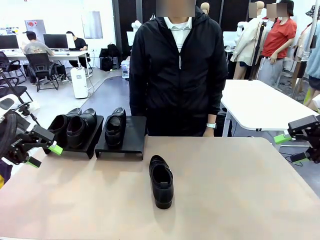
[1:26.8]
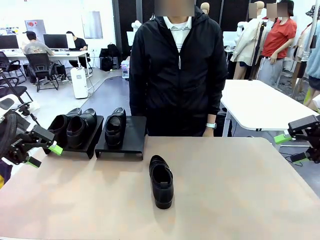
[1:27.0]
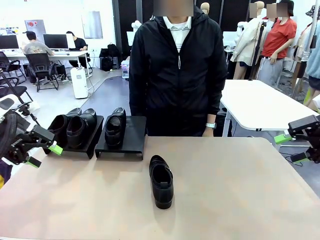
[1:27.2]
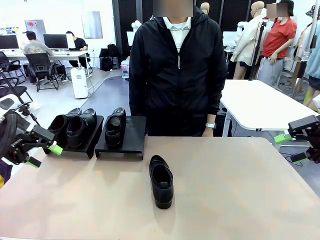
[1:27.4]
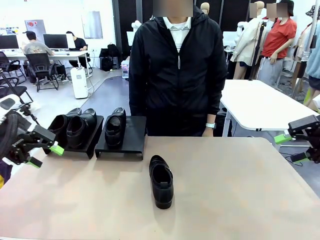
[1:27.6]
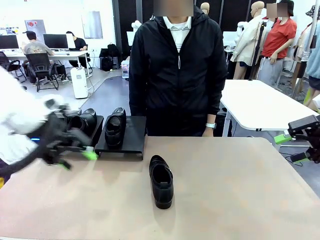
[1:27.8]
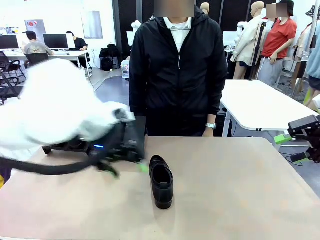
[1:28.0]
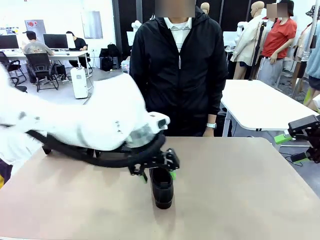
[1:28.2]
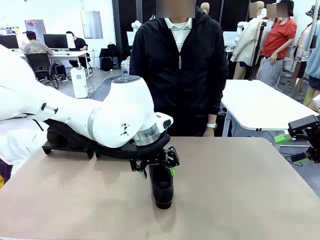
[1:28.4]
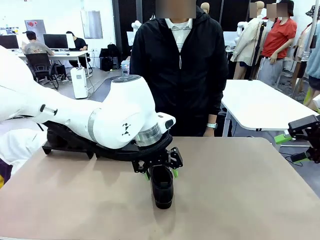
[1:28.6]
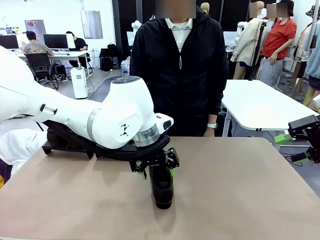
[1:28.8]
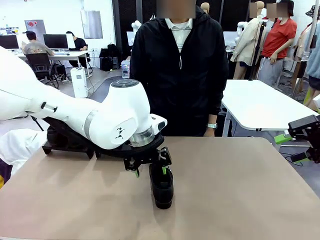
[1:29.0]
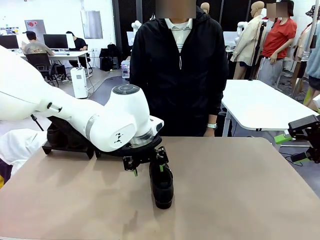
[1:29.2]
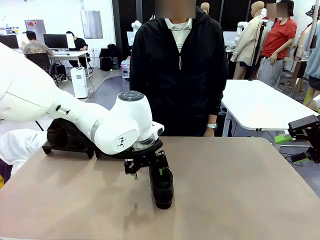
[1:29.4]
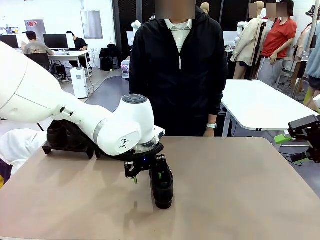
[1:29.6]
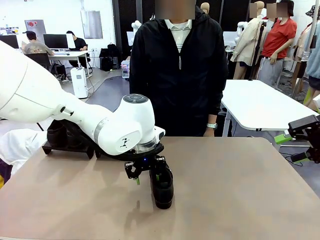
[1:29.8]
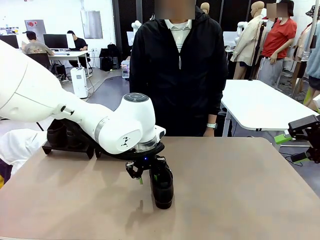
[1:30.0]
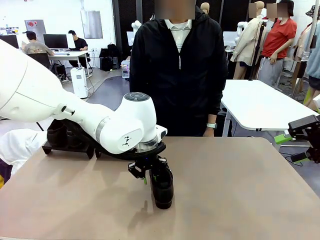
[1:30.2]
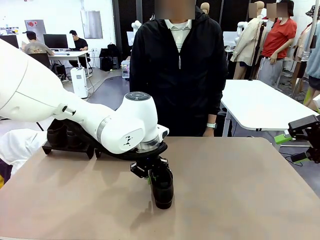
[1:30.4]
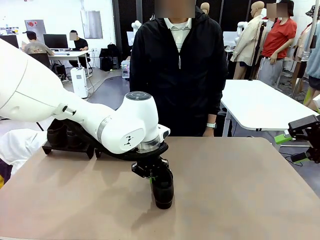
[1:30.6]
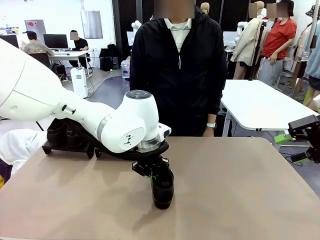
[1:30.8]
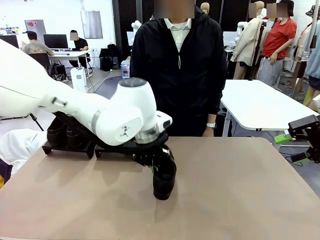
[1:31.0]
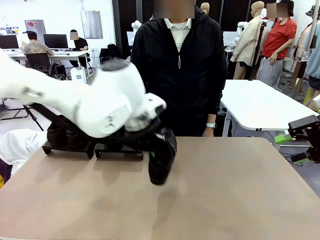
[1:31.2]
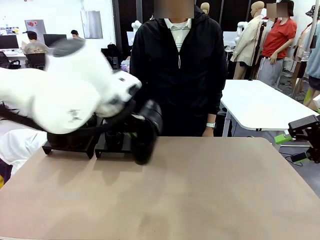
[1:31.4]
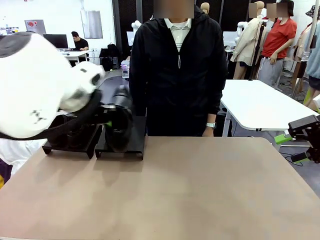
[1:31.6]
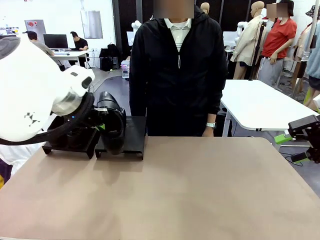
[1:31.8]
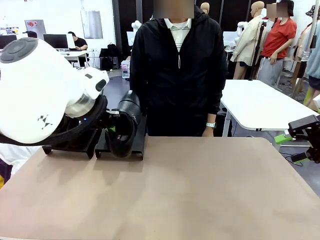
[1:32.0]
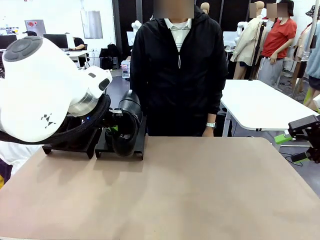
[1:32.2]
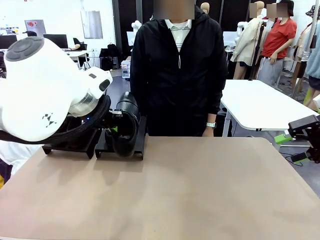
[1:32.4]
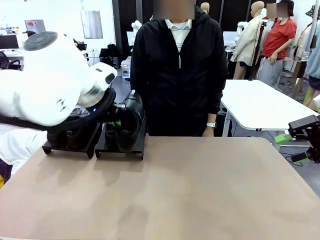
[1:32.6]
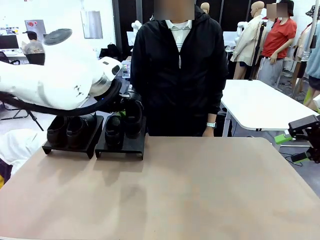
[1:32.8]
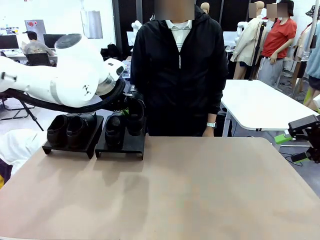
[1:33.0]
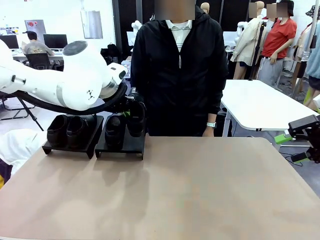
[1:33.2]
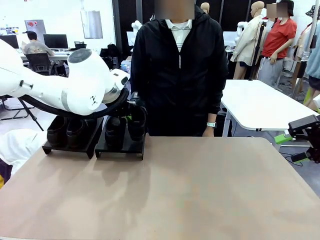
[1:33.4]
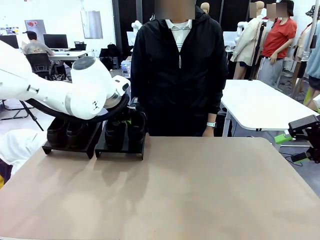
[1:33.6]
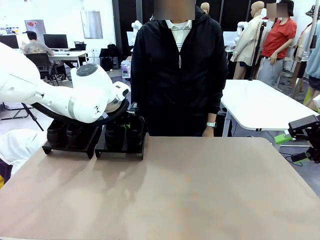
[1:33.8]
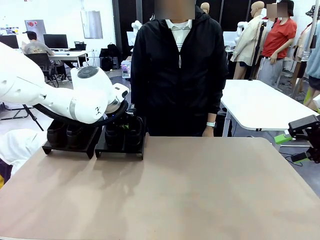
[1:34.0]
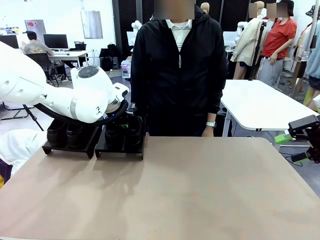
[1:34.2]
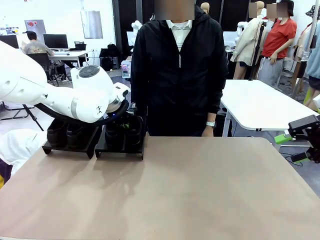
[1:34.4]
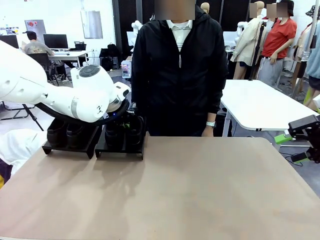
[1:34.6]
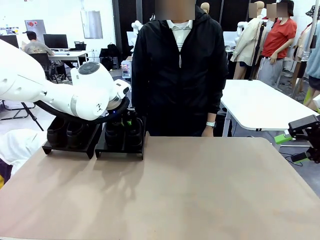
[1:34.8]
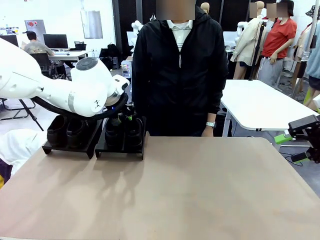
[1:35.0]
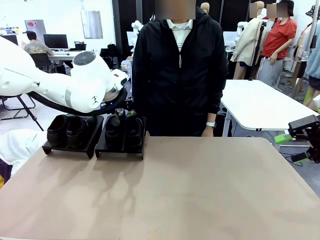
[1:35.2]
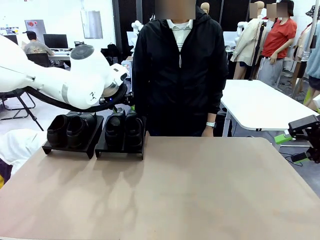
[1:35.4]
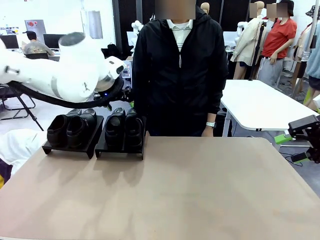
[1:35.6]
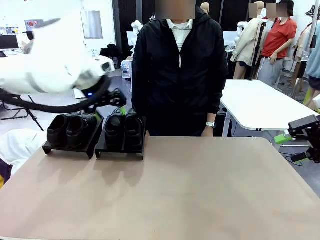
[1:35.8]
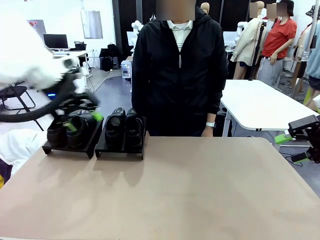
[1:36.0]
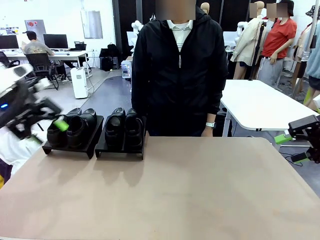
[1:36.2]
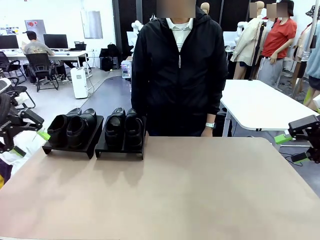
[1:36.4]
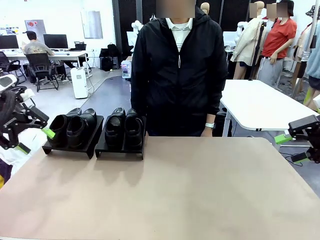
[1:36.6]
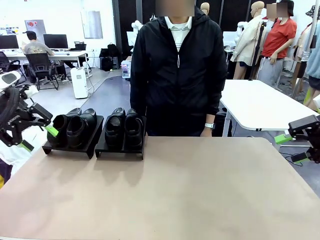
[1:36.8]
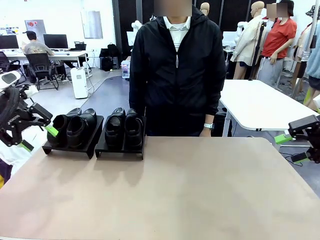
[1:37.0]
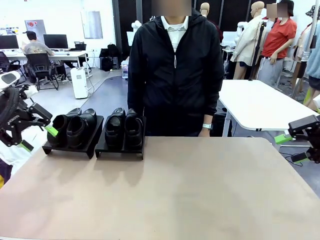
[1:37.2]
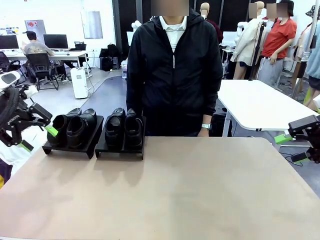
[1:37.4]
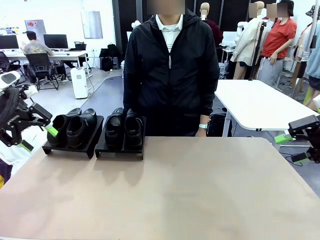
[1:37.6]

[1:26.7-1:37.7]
Task: Organize the shoes by placing them on the stand.
Robot: Place the Shoe from the middle of the table onto the Shoes Stand.

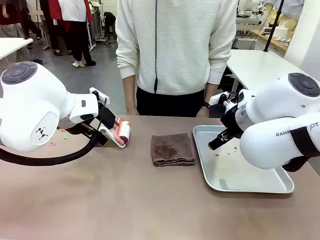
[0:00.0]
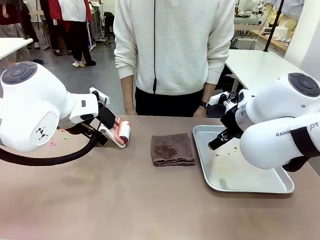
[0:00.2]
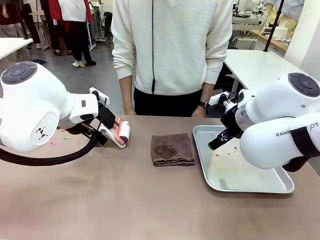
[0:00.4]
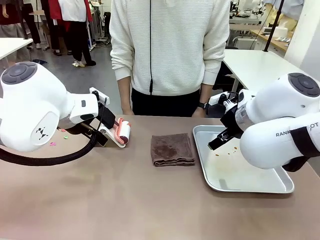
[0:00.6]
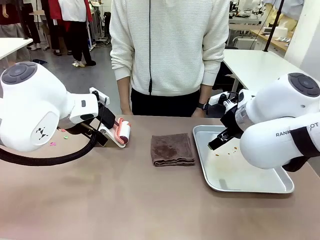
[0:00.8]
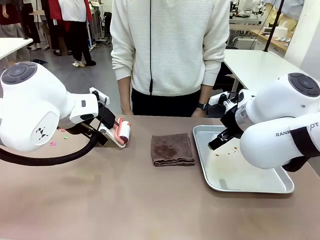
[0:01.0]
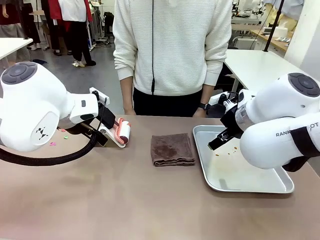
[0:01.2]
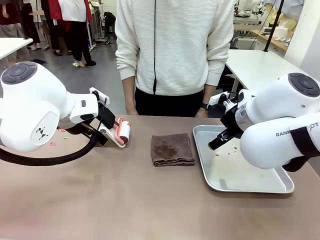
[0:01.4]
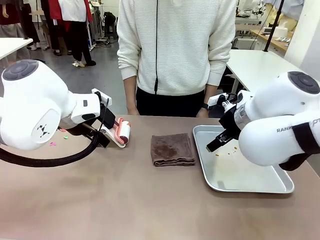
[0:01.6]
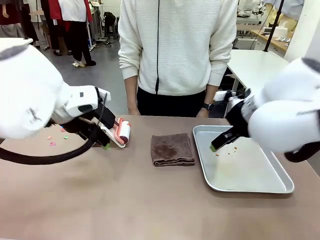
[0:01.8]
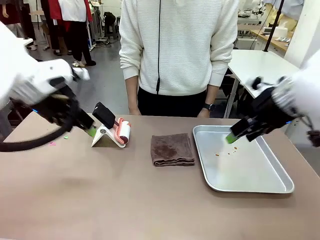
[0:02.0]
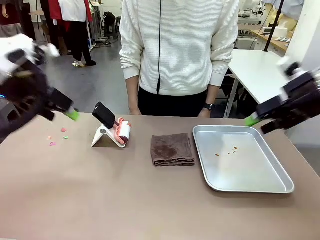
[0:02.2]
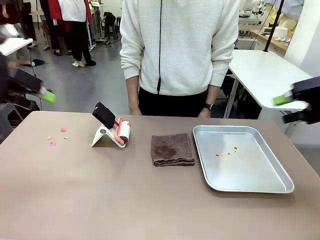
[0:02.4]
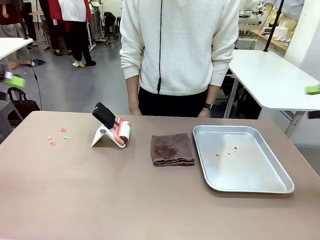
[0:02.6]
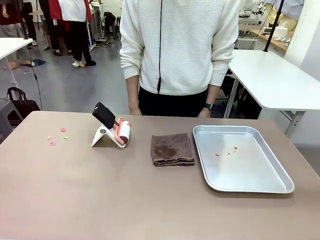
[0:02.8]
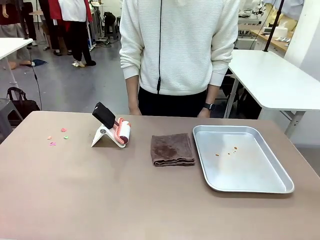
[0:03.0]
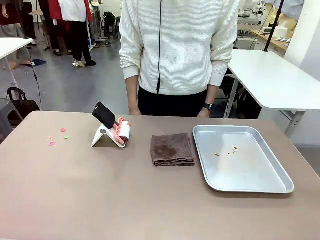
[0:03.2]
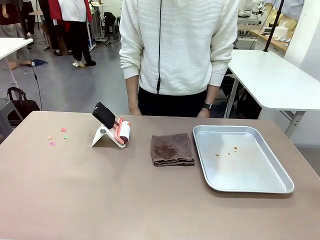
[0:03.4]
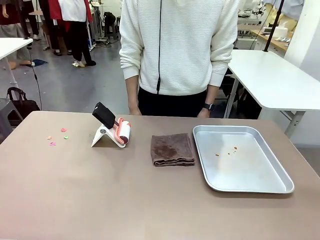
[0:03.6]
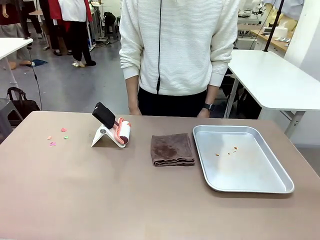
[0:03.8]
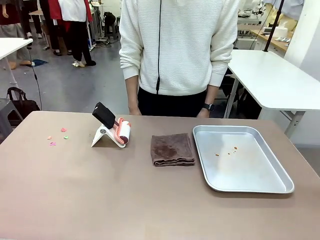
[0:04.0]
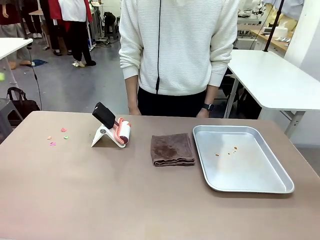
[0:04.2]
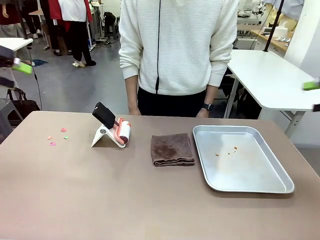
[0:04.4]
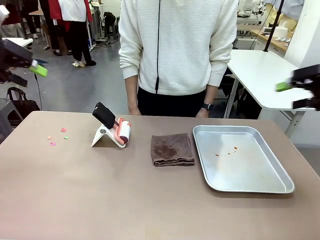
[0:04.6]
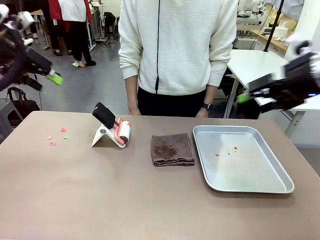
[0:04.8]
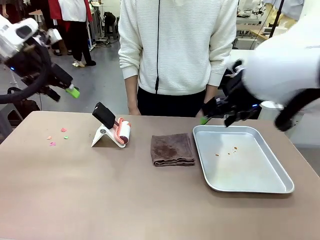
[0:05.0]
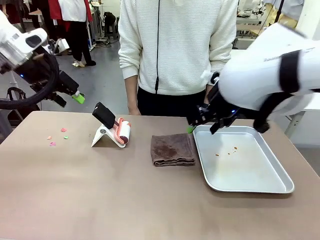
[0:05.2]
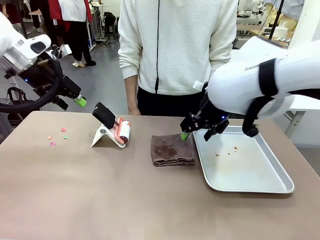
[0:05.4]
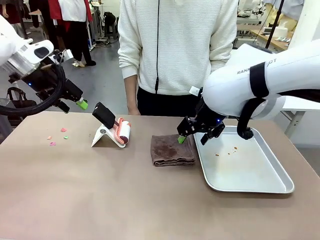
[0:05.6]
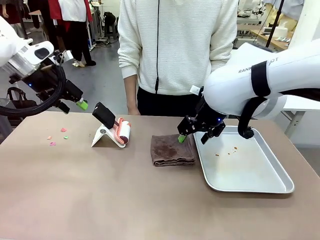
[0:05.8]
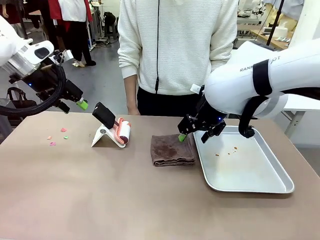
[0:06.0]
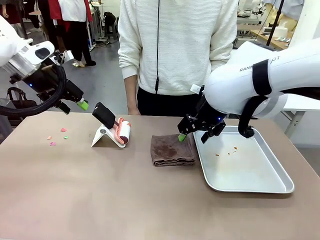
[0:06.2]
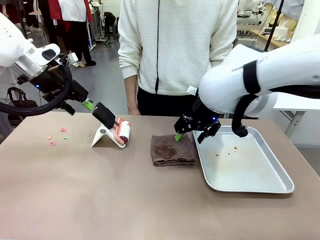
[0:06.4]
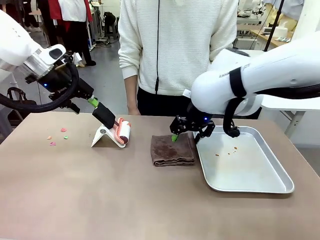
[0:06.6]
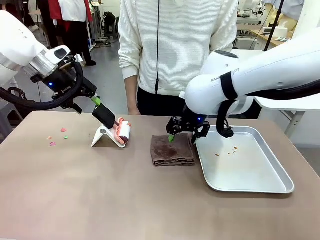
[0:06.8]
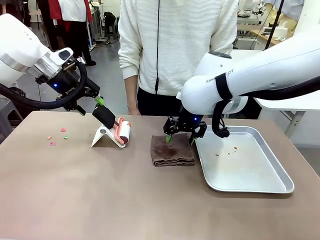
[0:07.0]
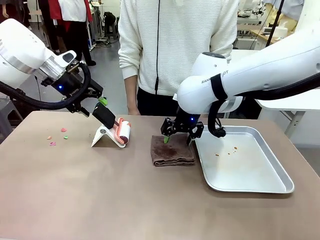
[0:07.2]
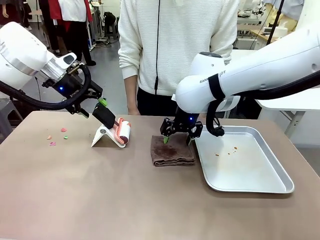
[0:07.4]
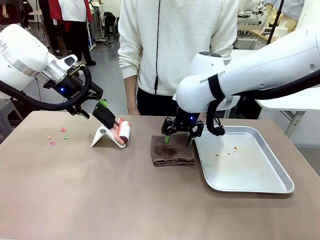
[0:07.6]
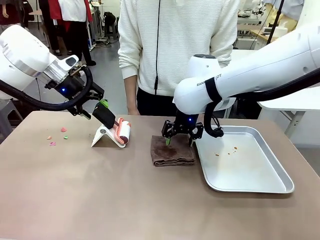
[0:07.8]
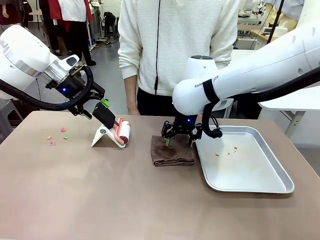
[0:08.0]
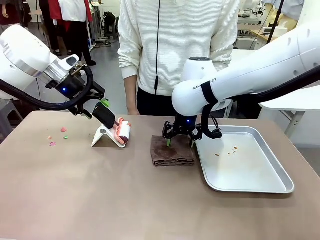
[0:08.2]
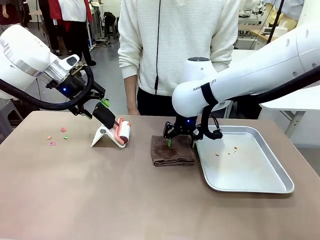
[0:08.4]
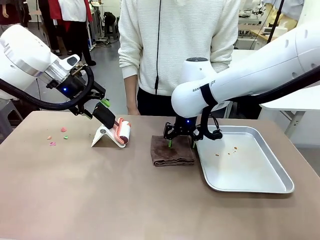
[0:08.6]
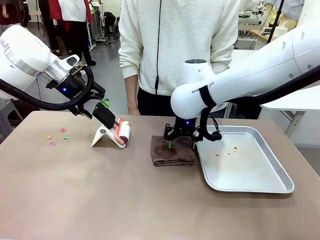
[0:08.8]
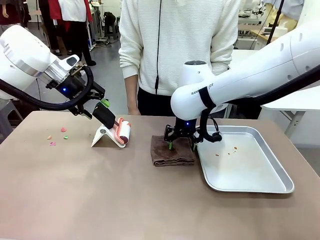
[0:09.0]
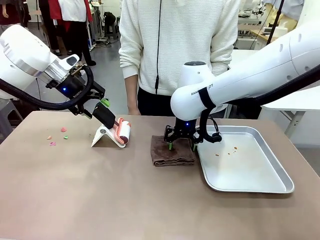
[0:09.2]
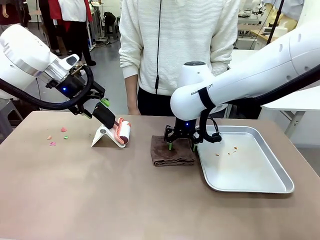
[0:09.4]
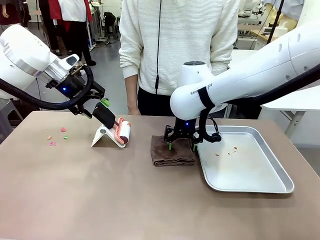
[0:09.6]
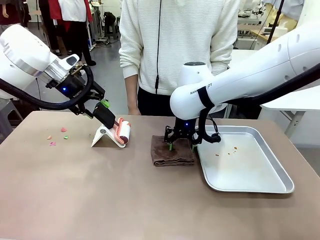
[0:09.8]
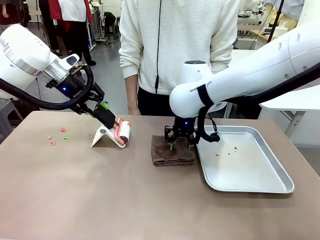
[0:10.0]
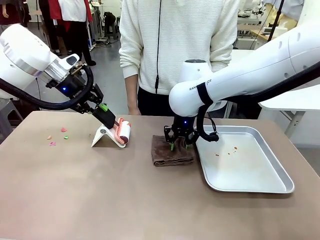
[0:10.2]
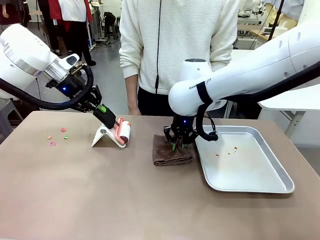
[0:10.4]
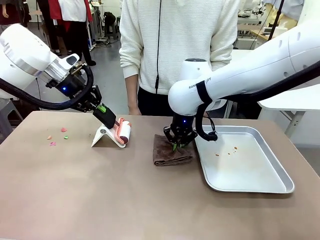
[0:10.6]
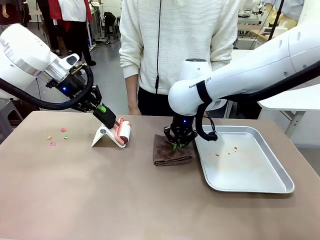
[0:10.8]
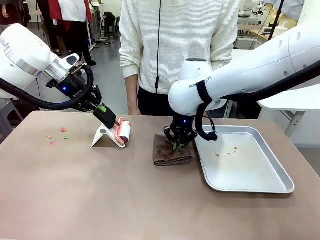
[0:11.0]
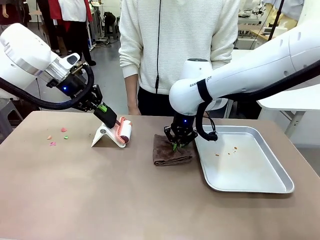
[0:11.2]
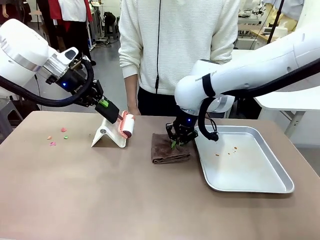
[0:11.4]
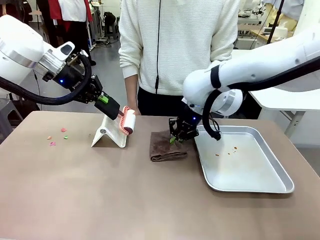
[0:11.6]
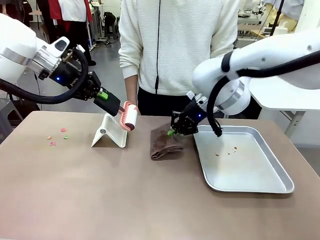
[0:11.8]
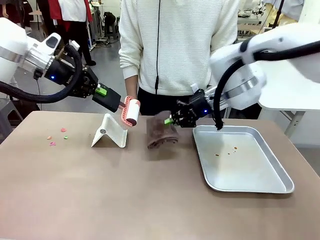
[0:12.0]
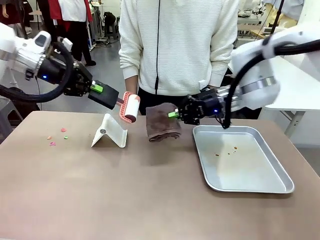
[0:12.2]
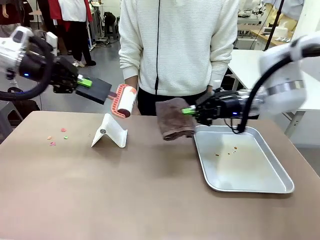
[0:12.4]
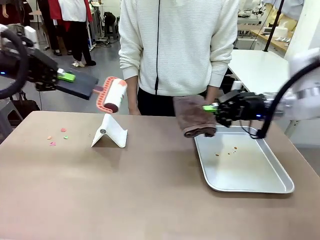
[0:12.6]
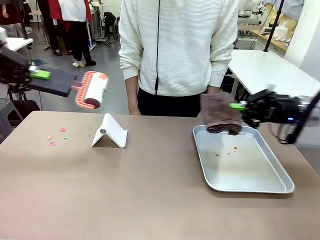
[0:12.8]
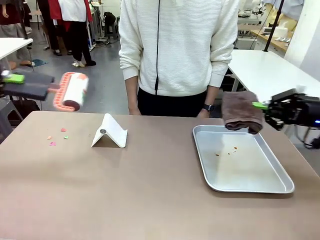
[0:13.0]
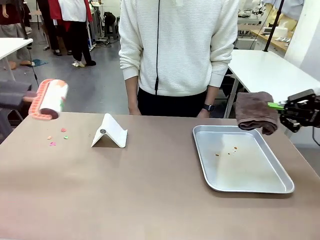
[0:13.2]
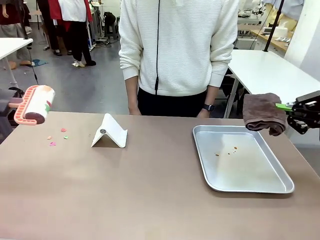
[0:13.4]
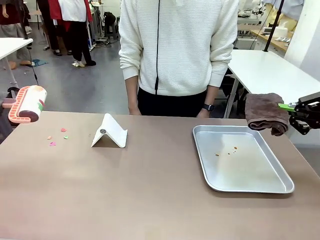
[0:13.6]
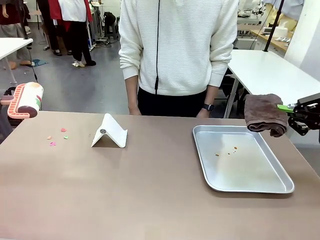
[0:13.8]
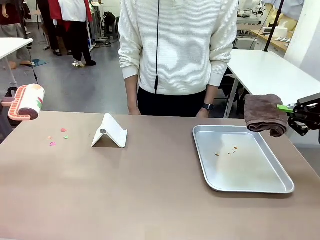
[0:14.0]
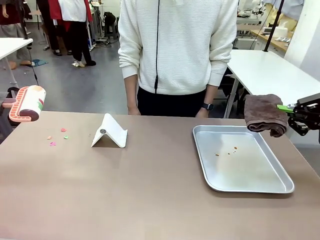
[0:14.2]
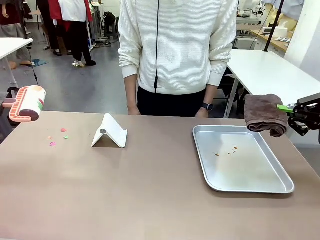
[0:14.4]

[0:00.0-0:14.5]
Task: Clean the surface of the table.
Robot: Hold the Lint Roller with your left hand and the towel with your right hand.
